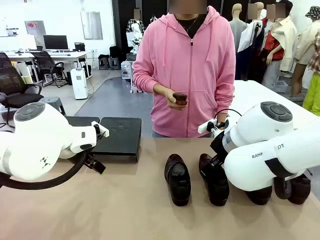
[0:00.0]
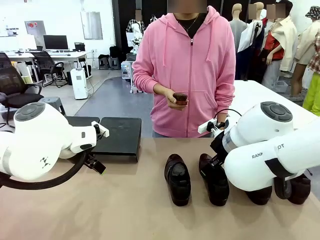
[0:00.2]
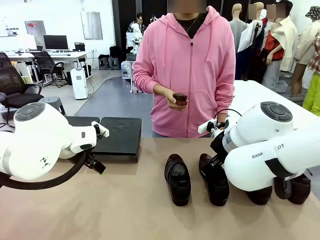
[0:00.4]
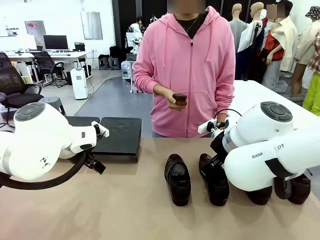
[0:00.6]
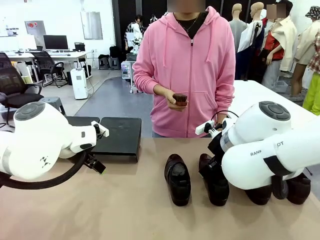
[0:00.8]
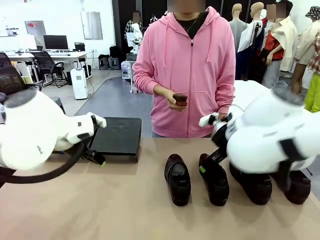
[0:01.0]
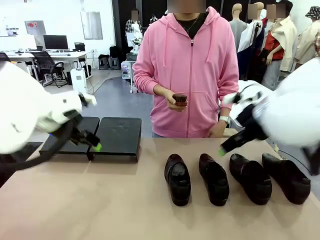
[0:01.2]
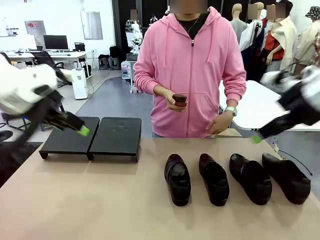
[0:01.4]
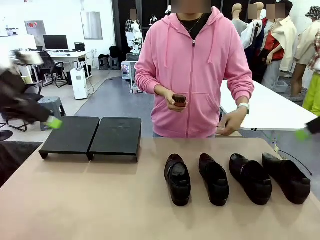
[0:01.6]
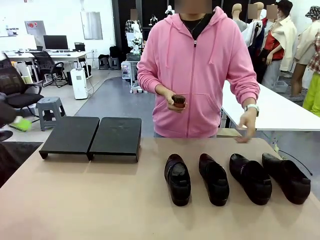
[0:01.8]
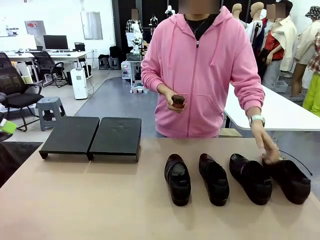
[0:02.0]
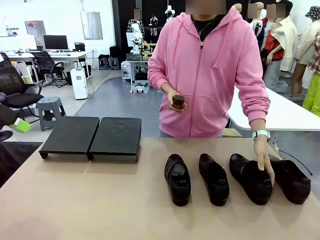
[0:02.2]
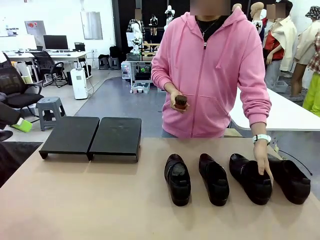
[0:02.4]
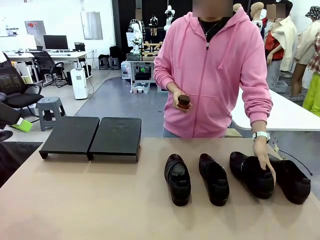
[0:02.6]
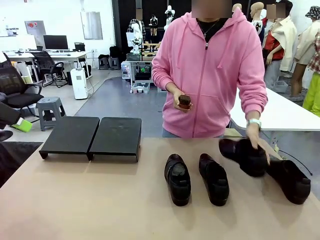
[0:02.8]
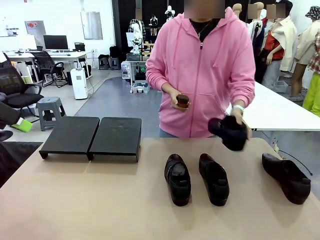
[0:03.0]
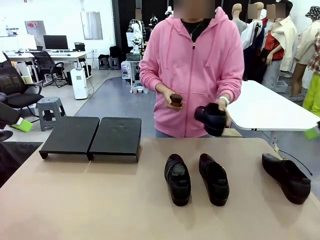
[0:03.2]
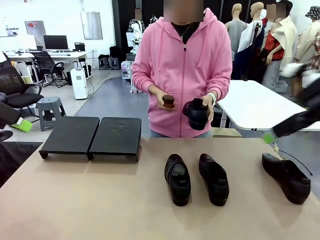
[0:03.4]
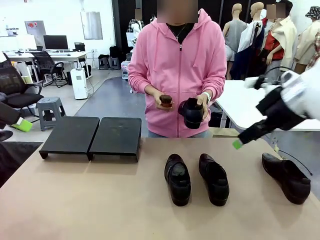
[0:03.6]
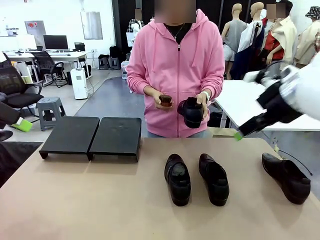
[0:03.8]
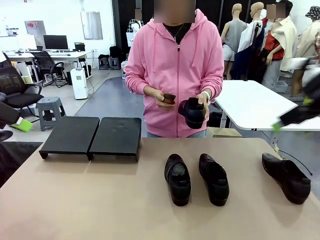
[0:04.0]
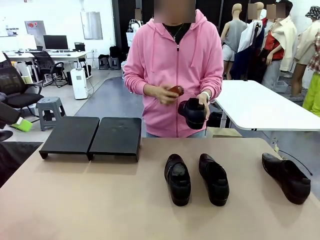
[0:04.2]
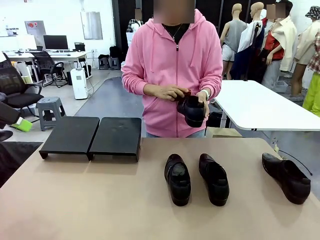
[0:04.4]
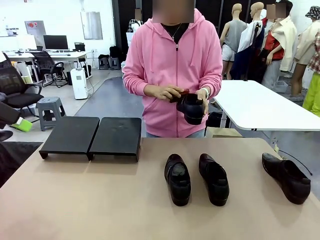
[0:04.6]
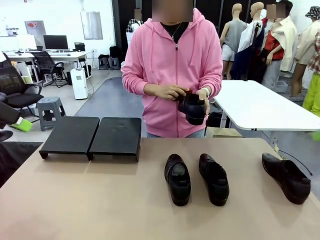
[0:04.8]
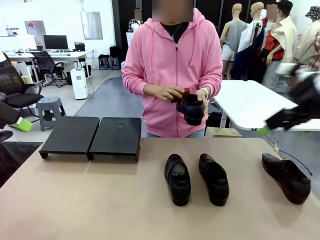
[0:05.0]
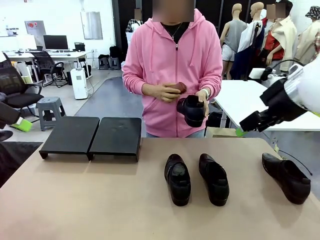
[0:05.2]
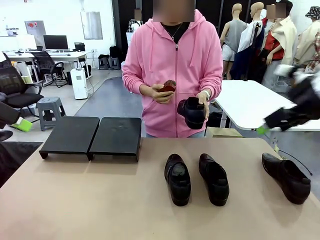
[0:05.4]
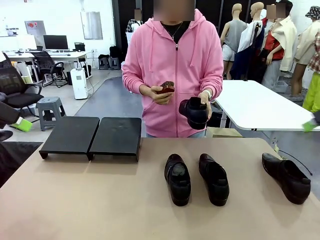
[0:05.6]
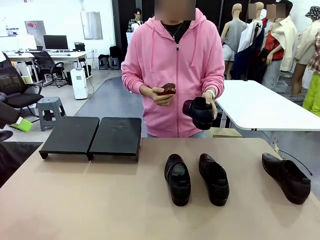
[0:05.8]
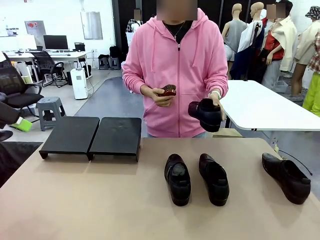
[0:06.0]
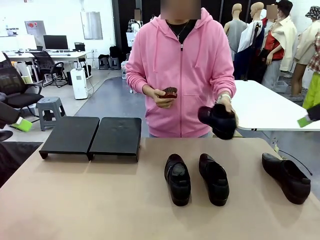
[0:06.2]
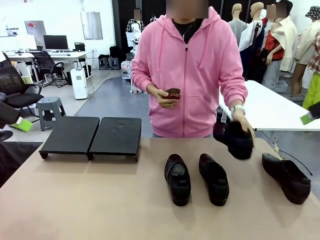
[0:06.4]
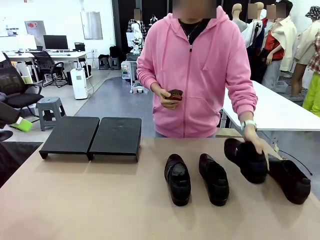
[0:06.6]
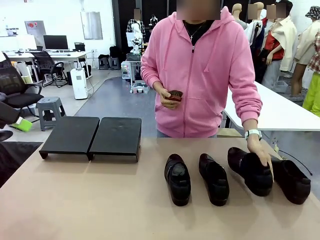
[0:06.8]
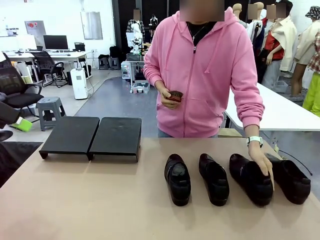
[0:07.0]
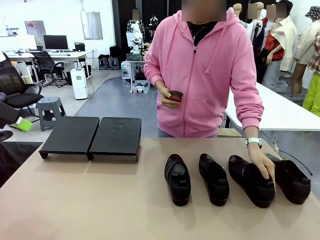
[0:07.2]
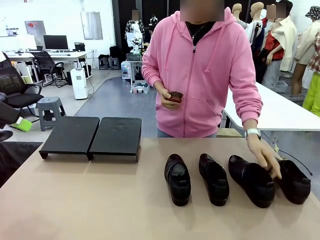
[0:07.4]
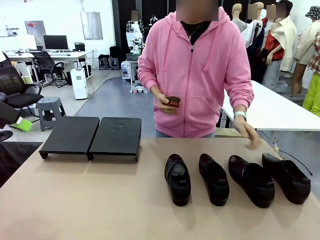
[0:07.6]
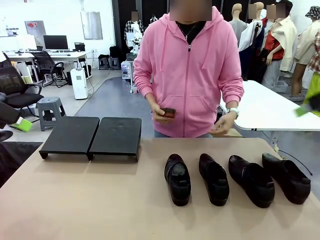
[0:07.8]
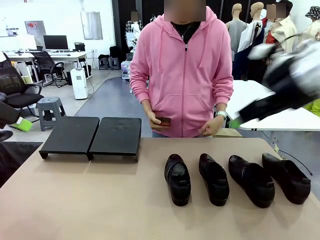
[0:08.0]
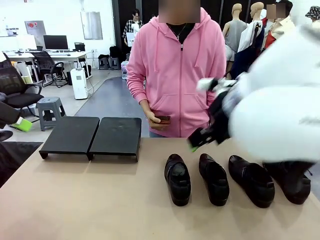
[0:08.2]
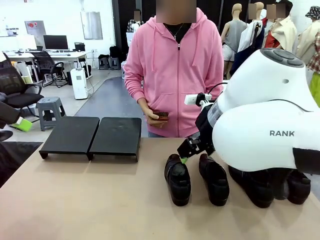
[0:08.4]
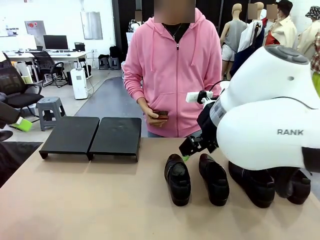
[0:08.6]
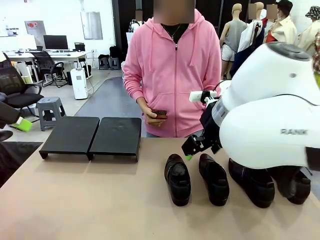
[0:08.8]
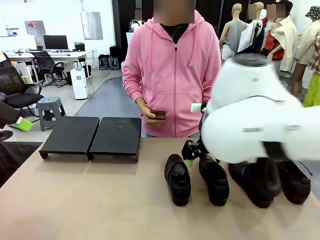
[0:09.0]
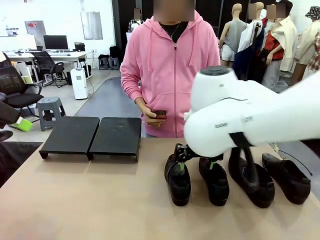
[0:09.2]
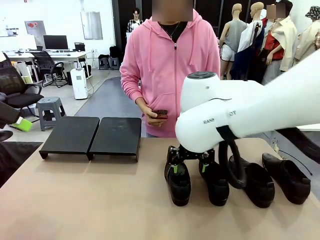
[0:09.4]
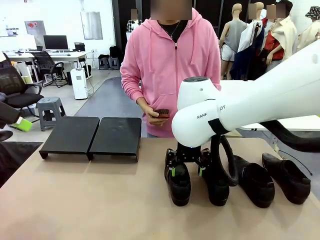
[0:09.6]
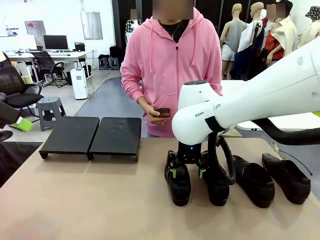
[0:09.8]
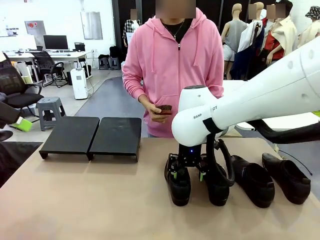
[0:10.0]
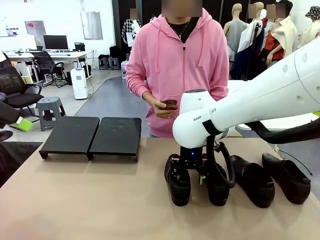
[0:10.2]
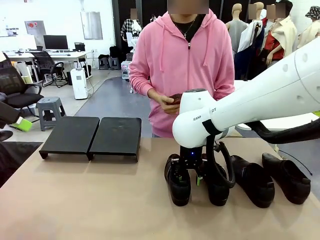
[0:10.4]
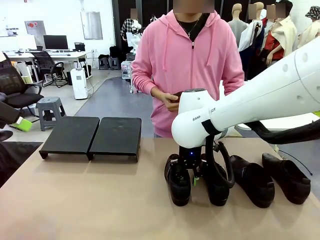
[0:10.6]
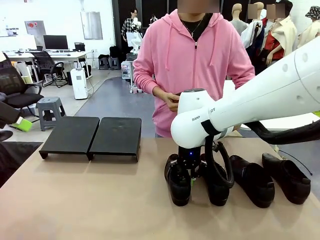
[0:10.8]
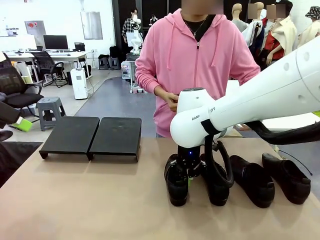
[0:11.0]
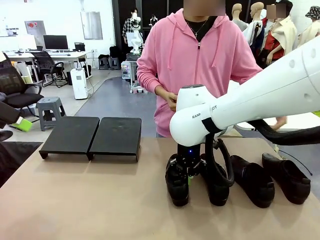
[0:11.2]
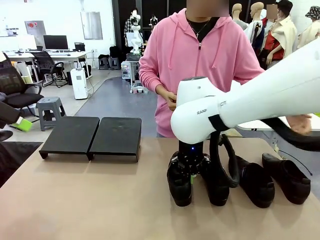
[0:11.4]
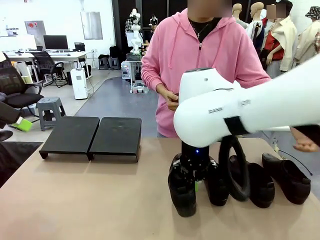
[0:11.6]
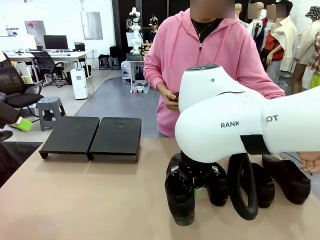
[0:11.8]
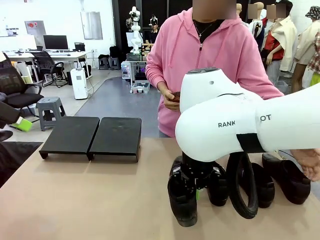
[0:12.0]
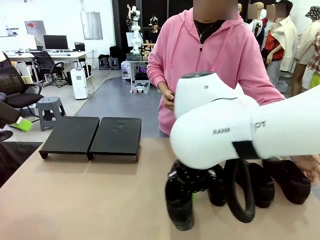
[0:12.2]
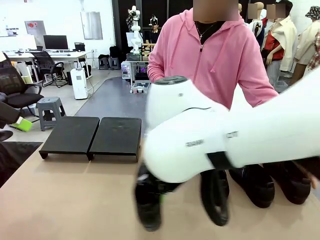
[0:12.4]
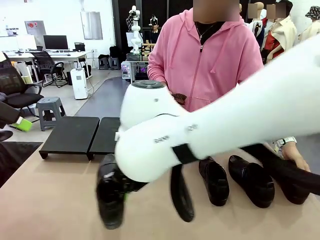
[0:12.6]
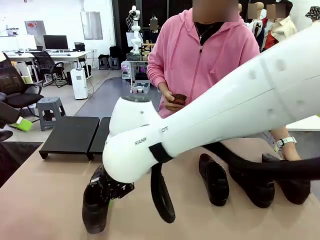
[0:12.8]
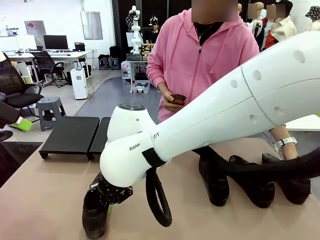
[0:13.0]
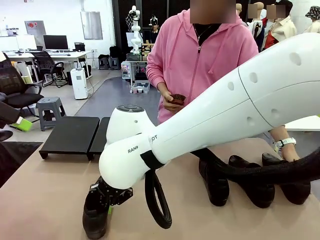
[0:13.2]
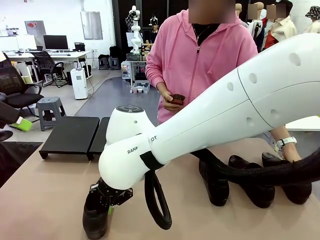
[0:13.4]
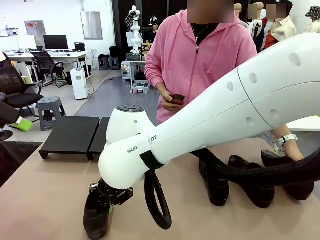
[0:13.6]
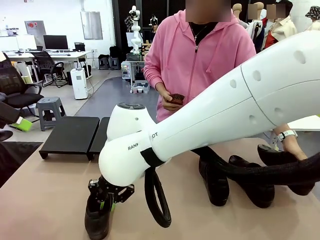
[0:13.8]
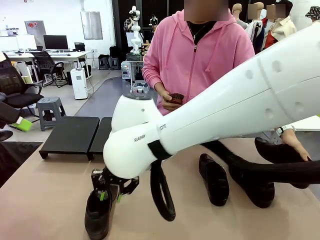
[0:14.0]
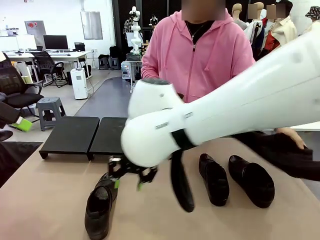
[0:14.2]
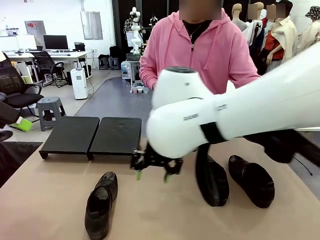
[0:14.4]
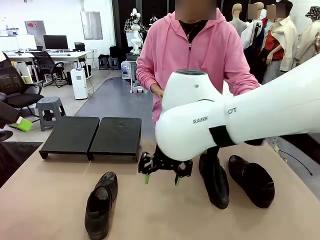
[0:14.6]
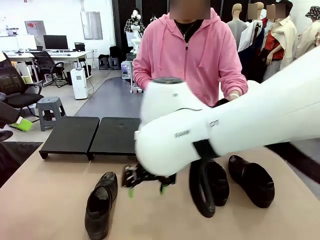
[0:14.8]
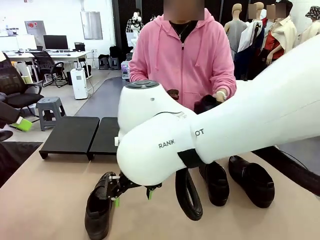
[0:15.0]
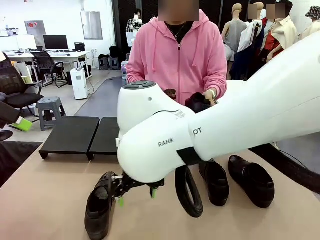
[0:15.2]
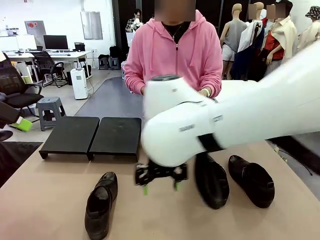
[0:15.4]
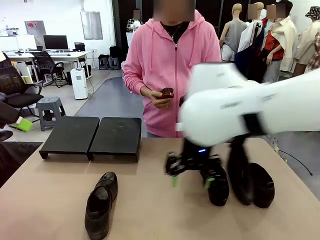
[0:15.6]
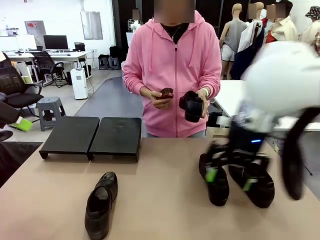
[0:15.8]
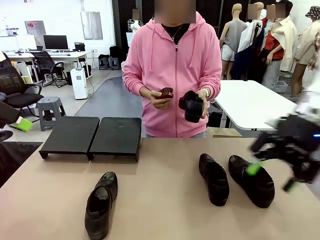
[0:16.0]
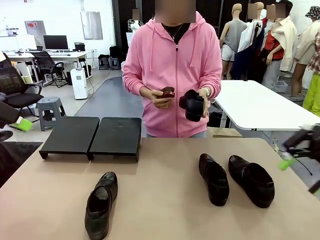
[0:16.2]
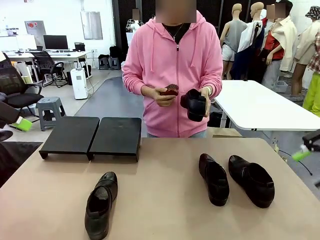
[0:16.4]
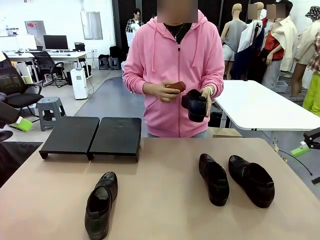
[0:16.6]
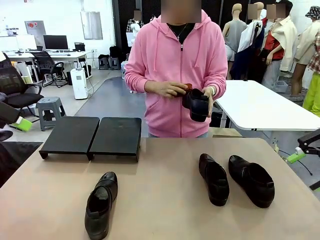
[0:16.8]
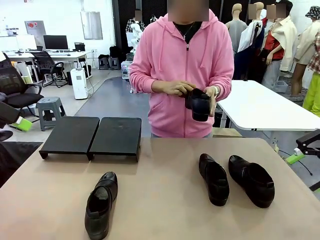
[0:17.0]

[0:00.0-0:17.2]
Task: Organize the shoes by placing them on the stand.
Robot: Pick up one Shoe and place it in the middle of the table.
Person: Pick one Shoe on Robot's table. Clean the Shoe with the Shoe Brush. Place the Shoe on left side of the Robot's table. Pick one Shoe on Robot's table.
